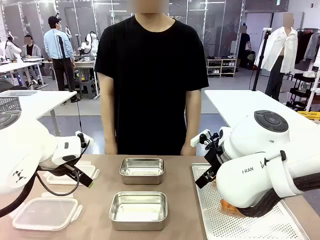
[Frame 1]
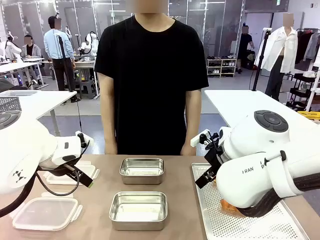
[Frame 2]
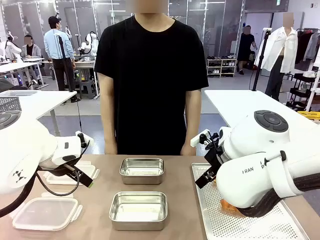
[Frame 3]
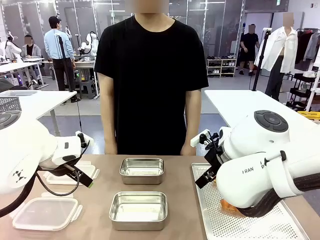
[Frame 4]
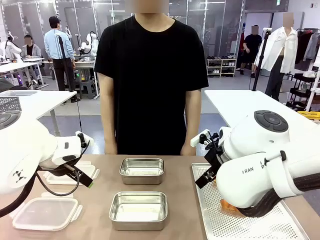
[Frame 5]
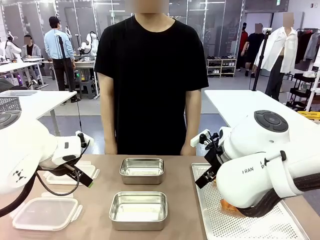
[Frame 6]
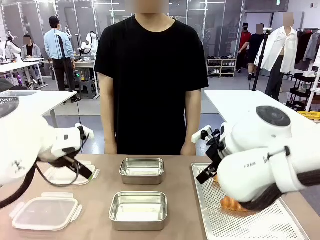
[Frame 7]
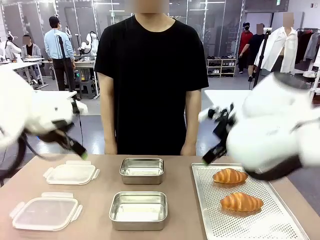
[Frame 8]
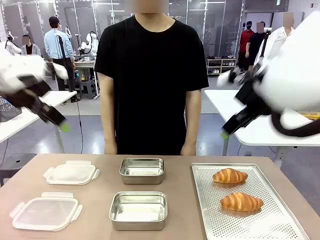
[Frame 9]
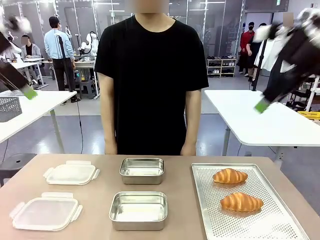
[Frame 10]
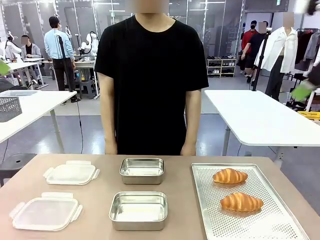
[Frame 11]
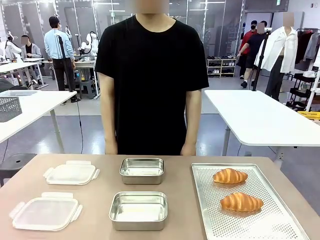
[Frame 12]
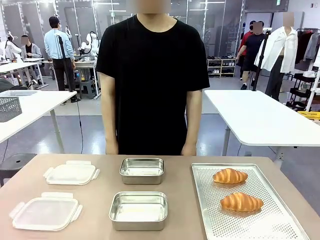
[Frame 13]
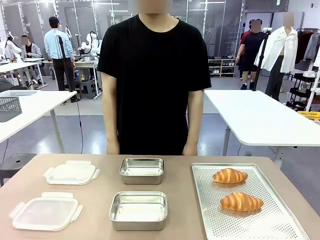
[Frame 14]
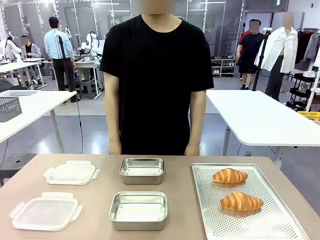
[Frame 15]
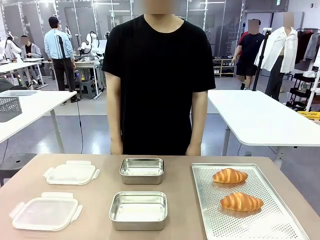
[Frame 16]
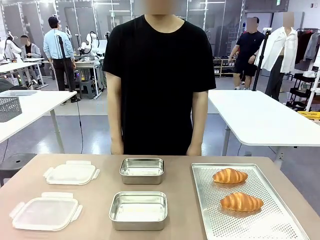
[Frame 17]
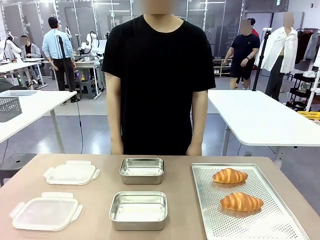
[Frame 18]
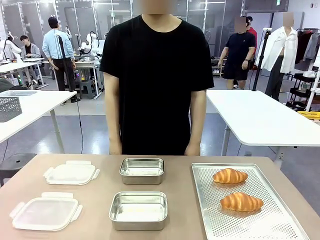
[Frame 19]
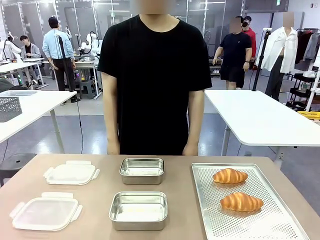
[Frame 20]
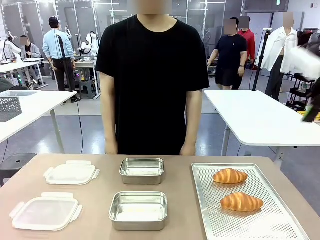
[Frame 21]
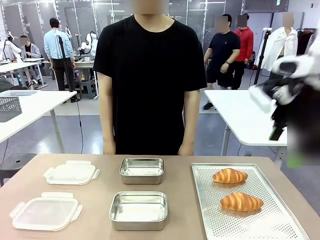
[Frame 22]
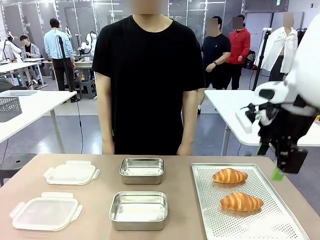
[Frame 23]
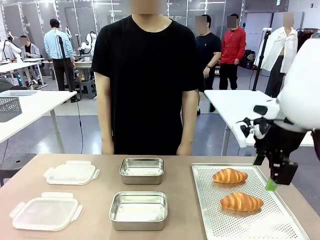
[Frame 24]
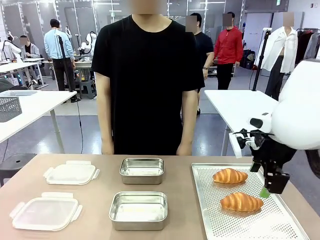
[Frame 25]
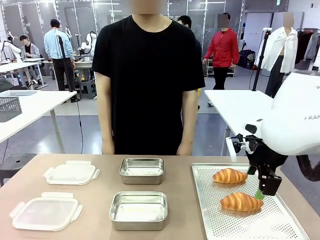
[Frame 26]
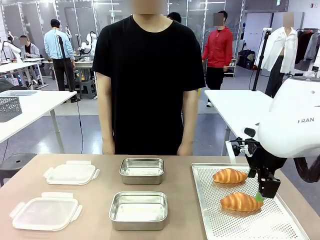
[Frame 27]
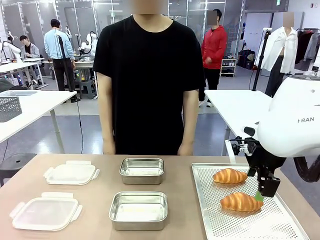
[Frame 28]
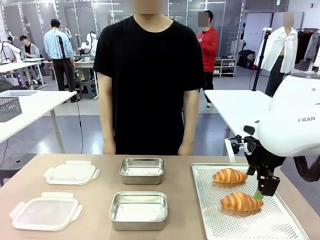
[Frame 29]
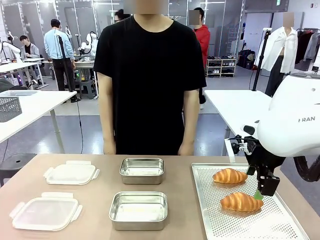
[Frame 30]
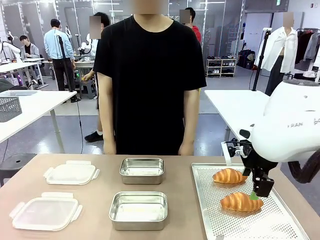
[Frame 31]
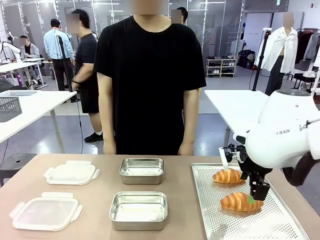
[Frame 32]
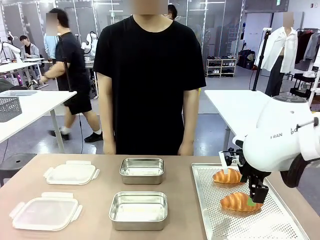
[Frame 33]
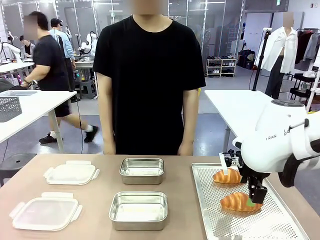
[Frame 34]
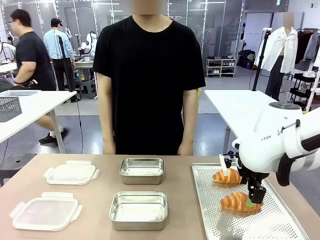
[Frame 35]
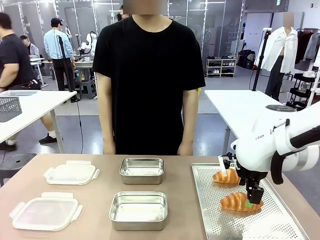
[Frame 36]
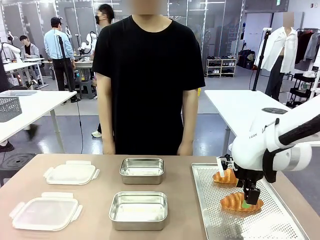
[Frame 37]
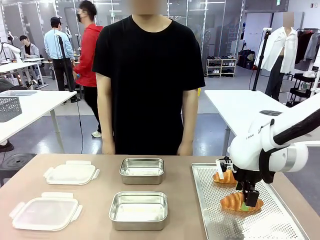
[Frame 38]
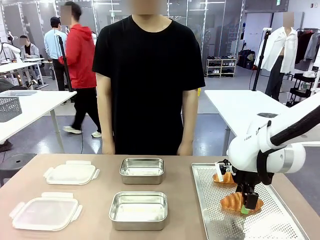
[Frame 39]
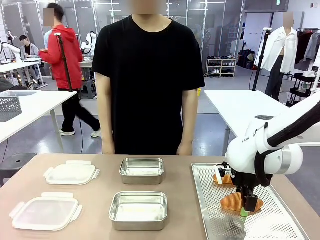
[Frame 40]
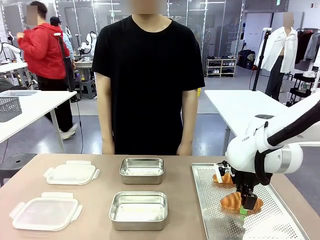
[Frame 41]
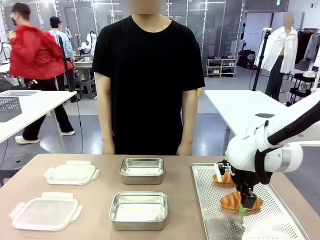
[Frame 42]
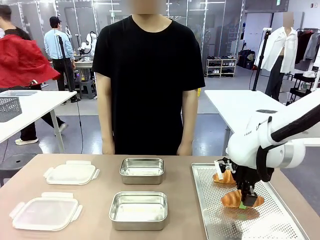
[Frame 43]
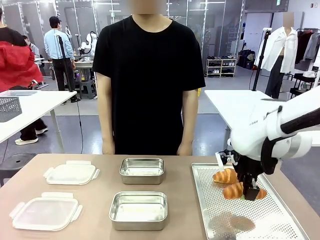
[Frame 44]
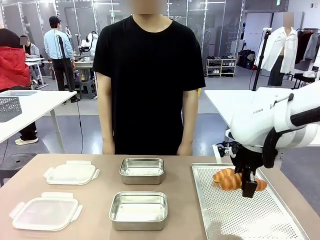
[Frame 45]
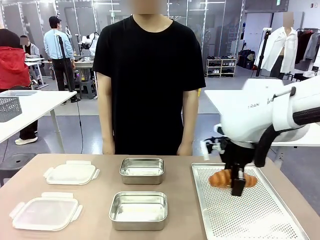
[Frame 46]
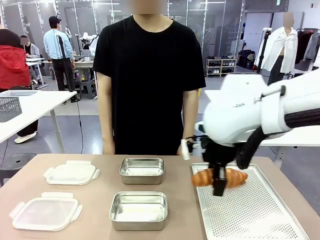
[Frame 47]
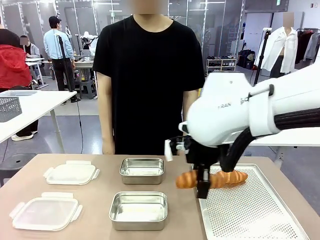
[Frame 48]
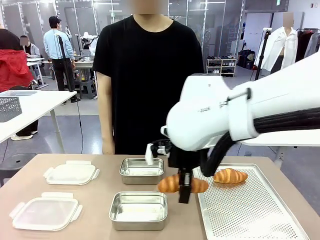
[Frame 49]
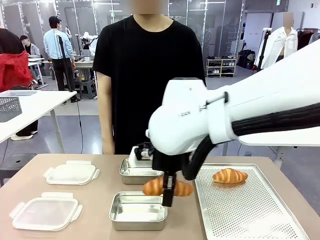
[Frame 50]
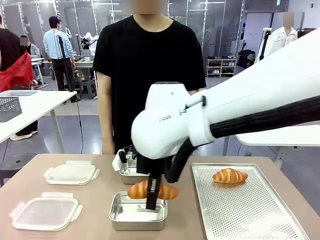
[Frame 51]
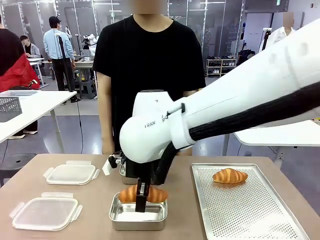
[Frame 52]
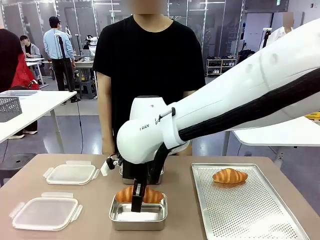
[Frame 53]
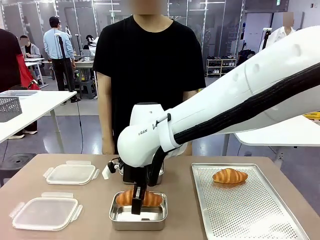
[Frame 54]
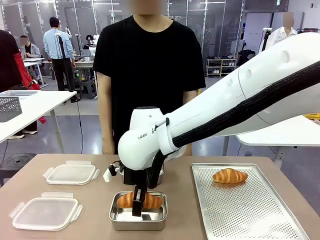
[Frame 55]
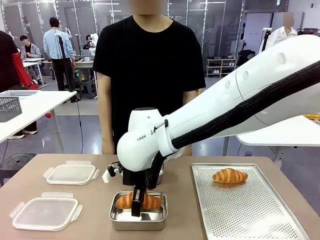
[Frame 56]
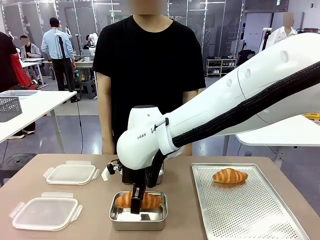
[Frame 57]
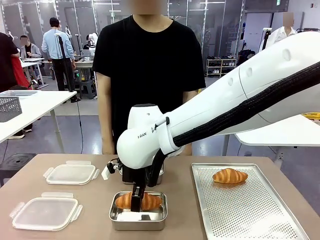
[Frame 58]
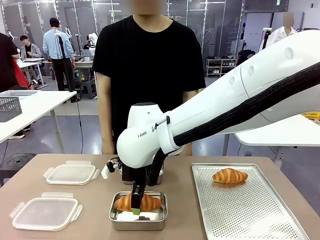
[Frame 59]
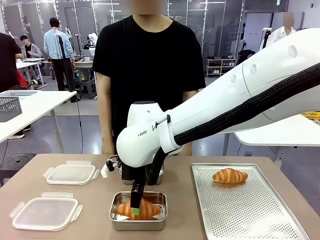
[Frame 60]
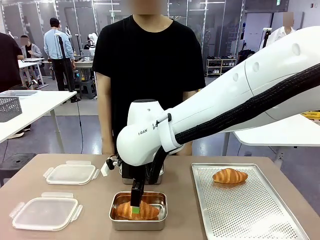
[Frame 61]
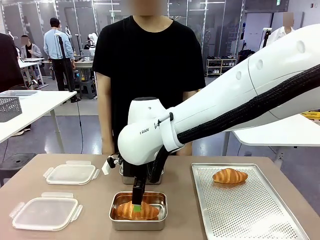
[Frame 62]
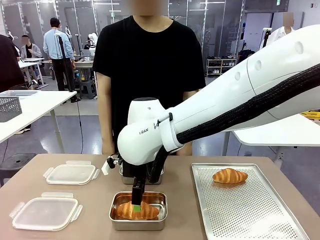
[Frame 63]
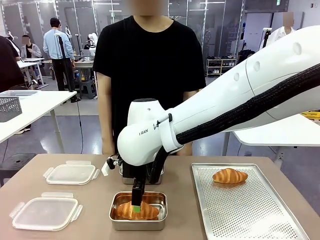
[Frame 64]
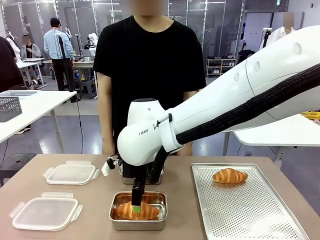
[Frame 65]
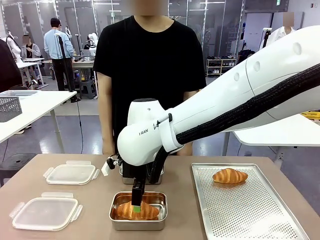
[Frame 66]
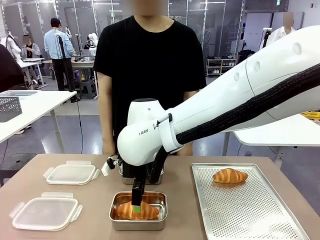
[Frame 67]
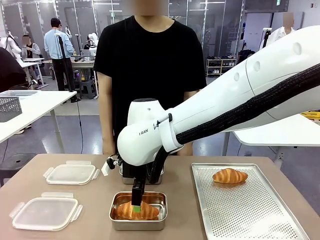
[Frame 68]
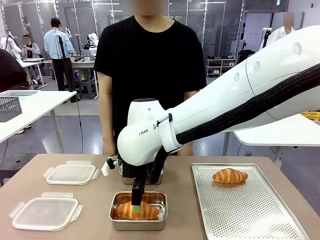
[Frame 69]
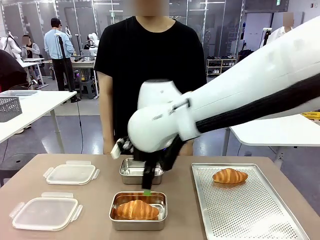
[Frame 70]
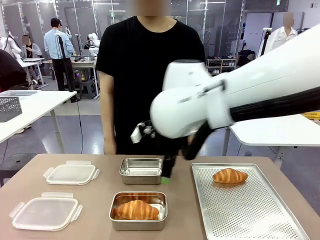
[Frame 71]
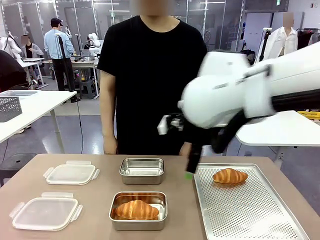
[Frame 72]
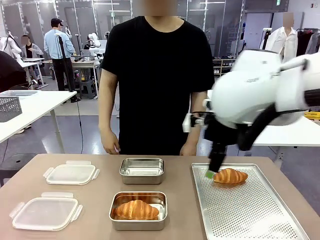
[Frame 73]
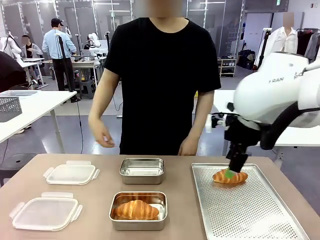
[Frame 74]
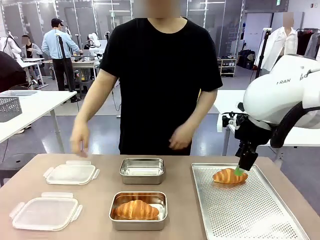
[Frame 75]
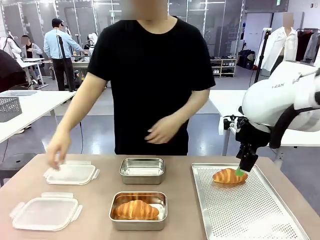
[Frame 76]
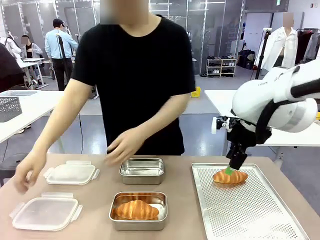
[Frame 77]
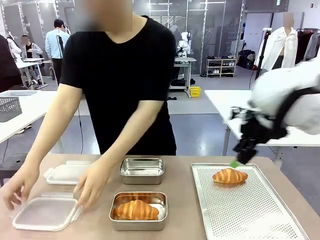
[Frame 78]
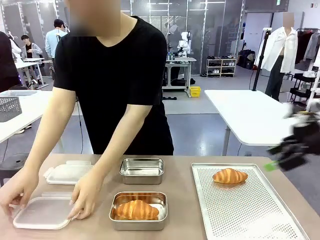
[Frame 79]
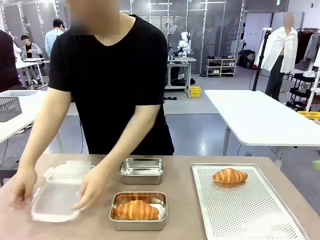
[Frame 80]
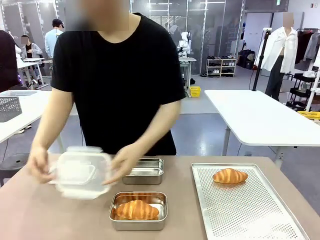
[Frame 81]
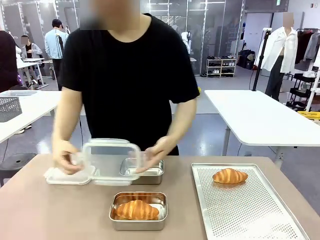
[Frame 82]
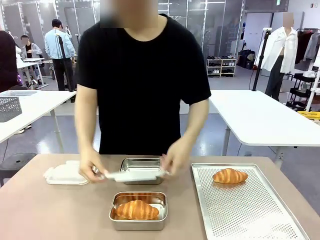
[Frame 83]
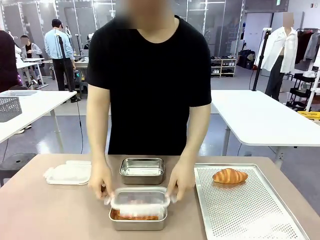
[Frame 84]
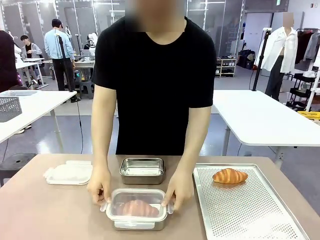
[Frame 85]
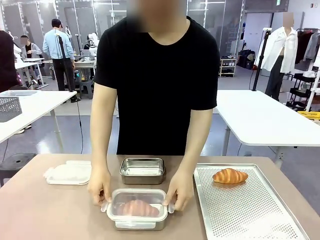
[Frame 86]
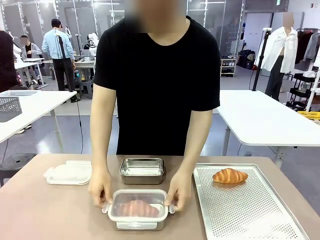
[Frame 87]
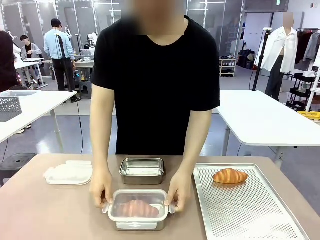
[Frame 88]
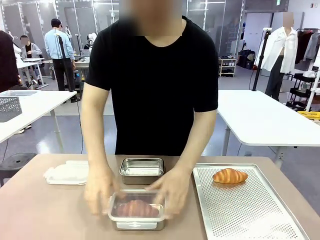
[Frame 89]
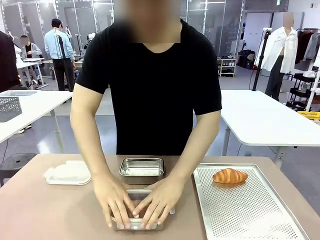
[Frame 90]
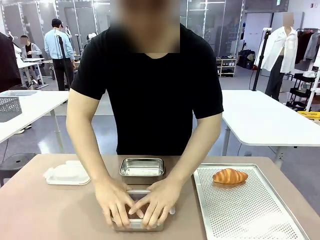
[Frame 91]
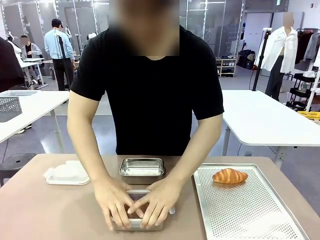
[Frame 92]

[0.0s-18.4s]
Task: Place the bread into the airtight container.
Robot: Pick up a Butter Roll and place it into an empty Airtight Container.
